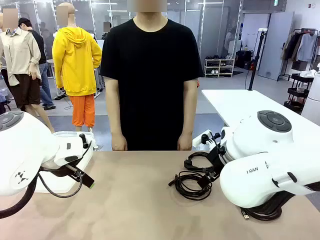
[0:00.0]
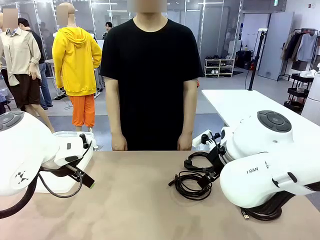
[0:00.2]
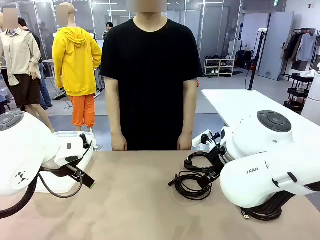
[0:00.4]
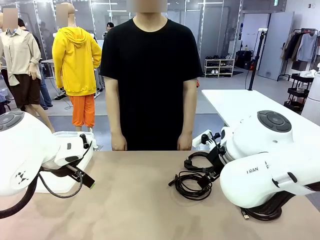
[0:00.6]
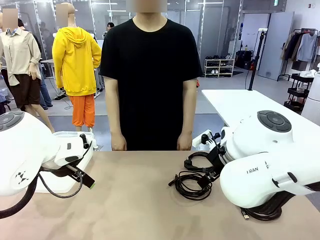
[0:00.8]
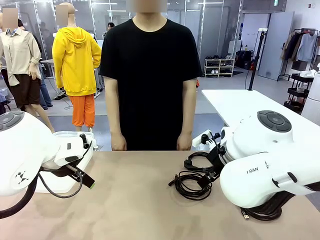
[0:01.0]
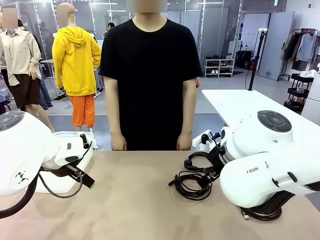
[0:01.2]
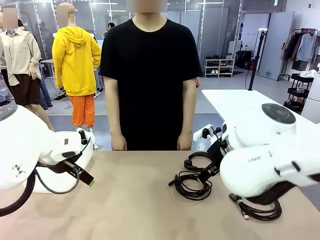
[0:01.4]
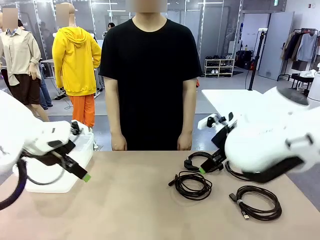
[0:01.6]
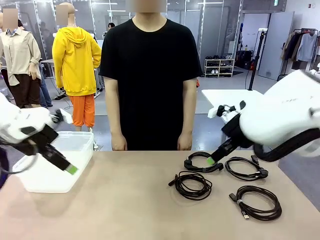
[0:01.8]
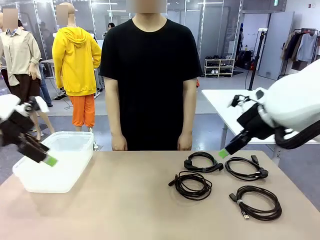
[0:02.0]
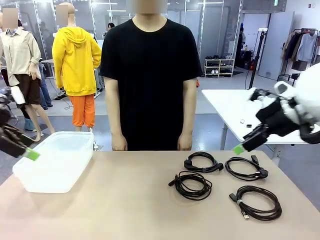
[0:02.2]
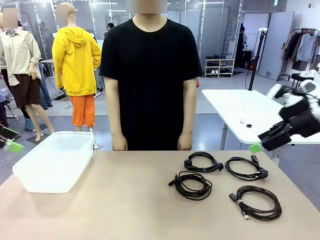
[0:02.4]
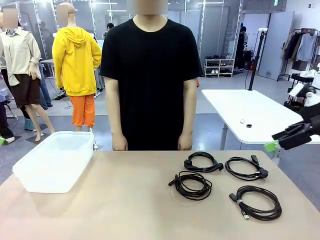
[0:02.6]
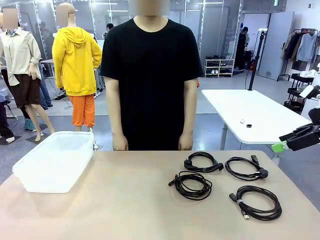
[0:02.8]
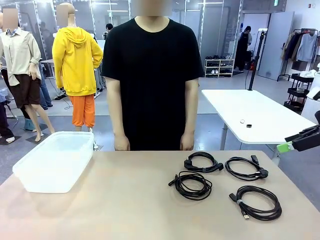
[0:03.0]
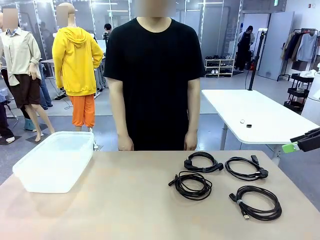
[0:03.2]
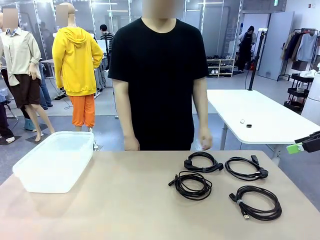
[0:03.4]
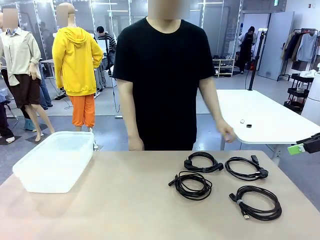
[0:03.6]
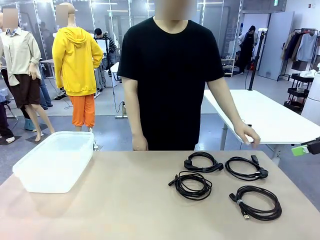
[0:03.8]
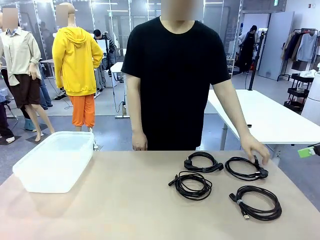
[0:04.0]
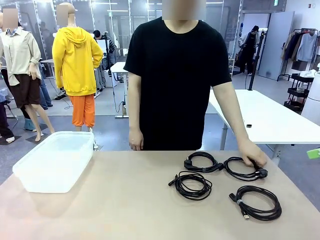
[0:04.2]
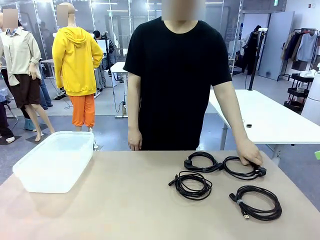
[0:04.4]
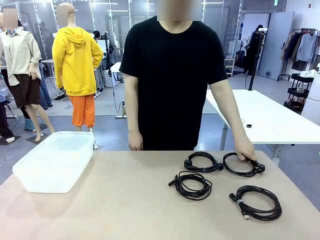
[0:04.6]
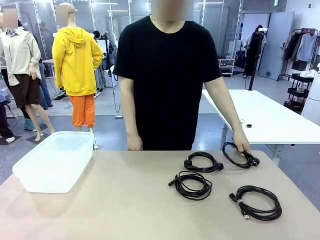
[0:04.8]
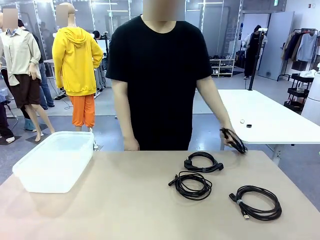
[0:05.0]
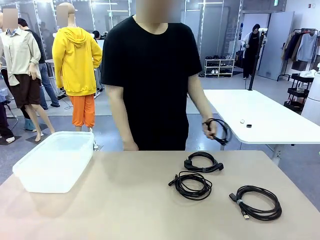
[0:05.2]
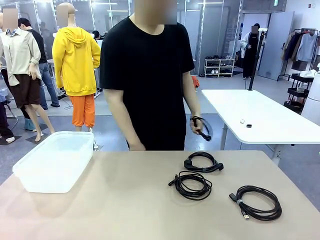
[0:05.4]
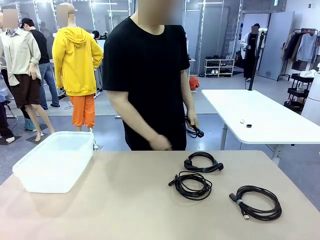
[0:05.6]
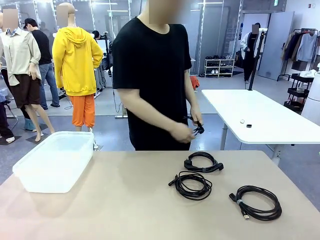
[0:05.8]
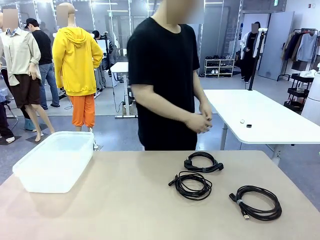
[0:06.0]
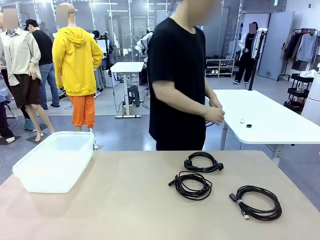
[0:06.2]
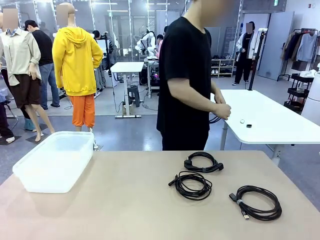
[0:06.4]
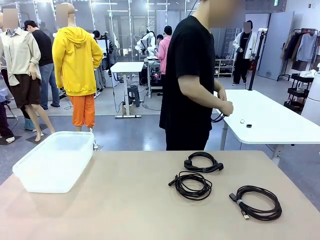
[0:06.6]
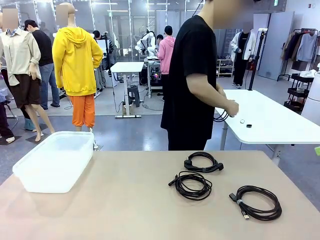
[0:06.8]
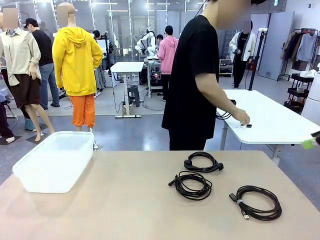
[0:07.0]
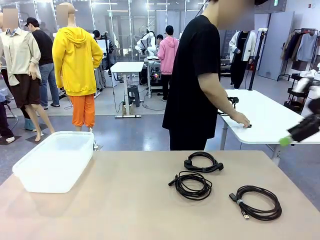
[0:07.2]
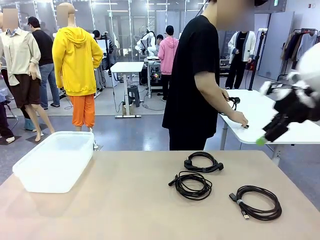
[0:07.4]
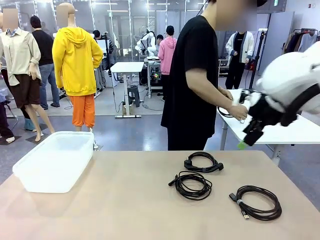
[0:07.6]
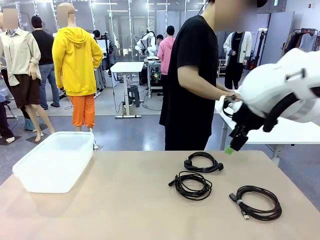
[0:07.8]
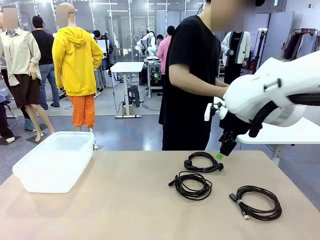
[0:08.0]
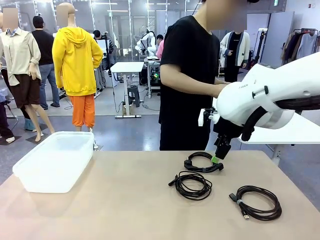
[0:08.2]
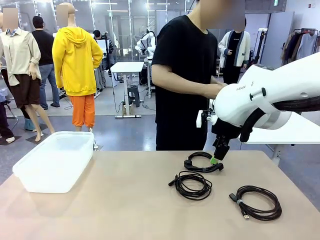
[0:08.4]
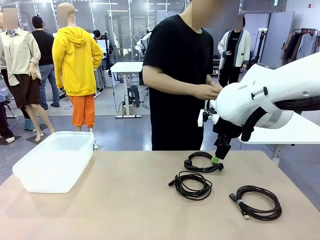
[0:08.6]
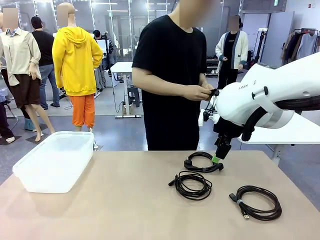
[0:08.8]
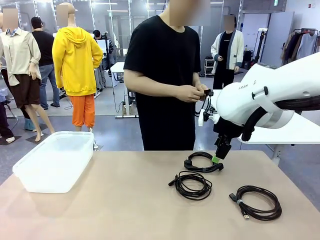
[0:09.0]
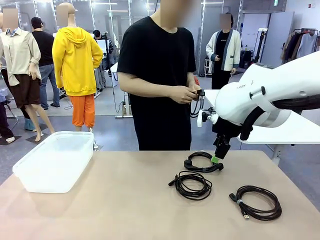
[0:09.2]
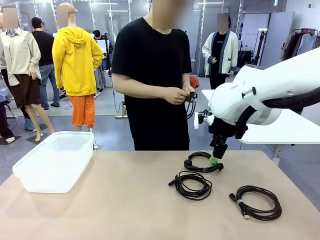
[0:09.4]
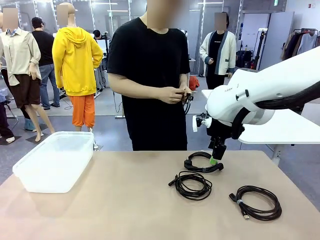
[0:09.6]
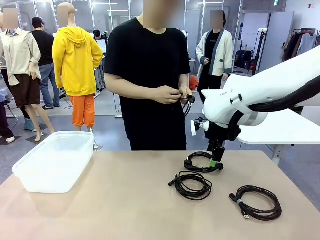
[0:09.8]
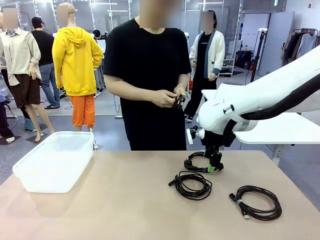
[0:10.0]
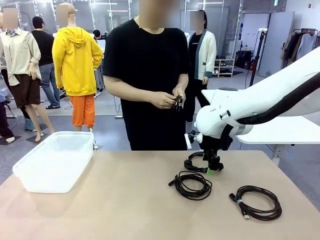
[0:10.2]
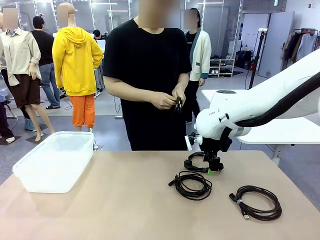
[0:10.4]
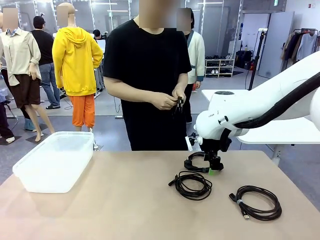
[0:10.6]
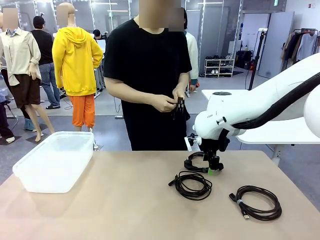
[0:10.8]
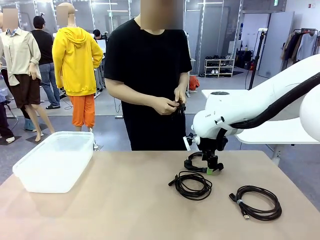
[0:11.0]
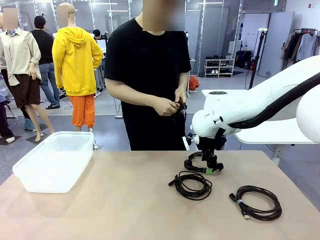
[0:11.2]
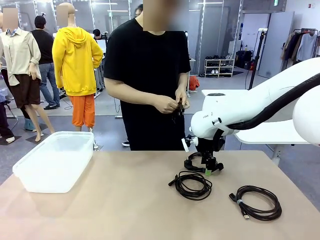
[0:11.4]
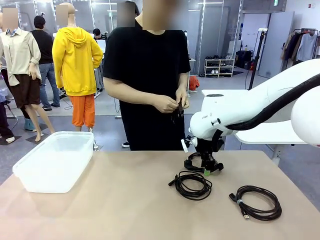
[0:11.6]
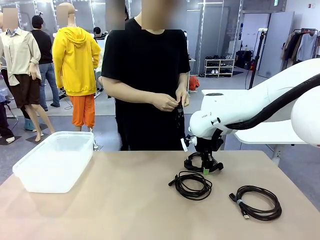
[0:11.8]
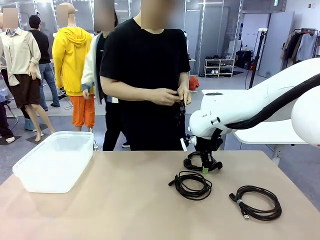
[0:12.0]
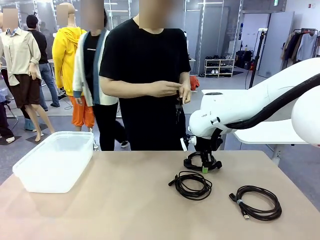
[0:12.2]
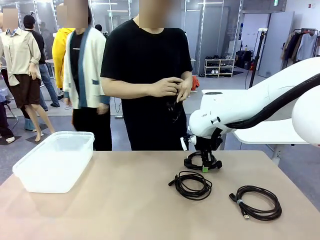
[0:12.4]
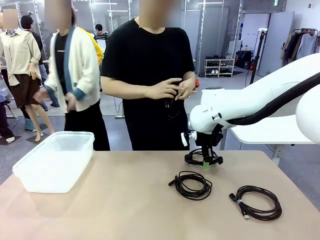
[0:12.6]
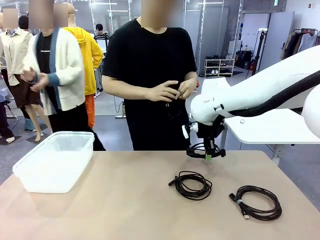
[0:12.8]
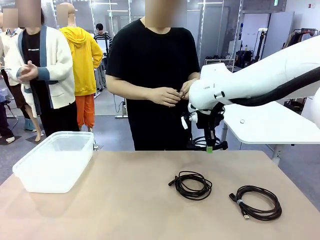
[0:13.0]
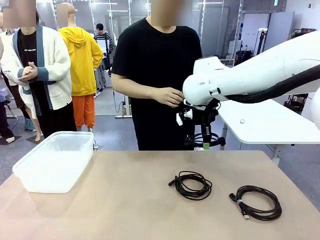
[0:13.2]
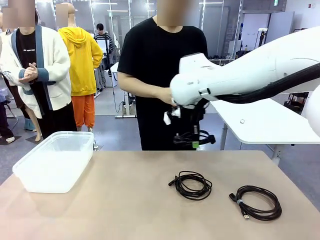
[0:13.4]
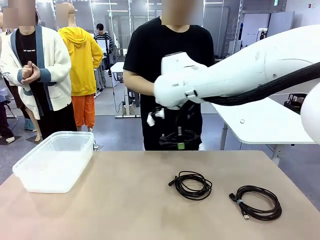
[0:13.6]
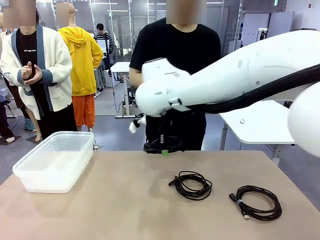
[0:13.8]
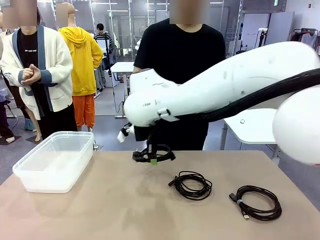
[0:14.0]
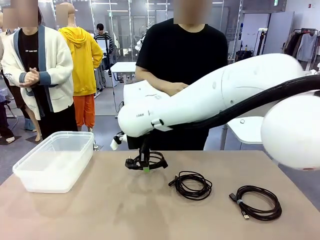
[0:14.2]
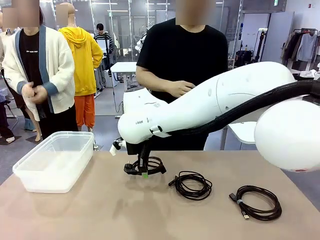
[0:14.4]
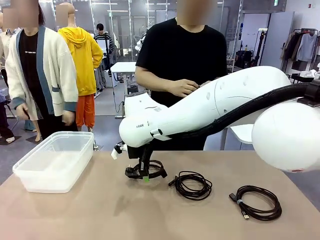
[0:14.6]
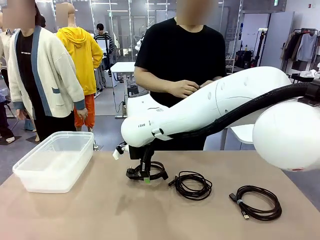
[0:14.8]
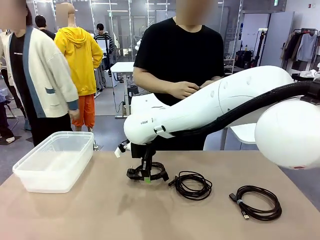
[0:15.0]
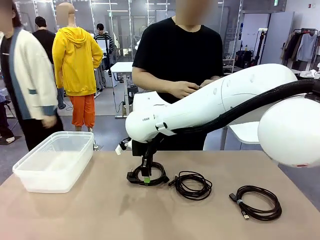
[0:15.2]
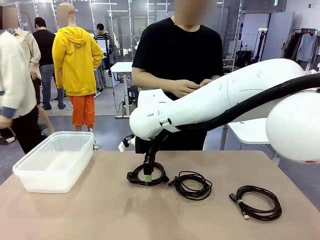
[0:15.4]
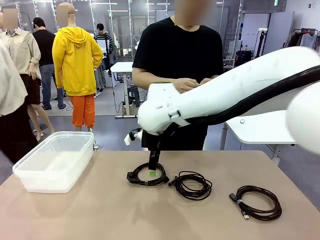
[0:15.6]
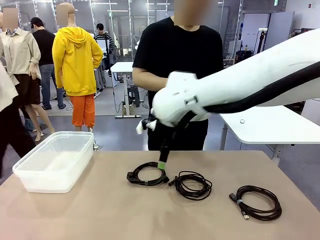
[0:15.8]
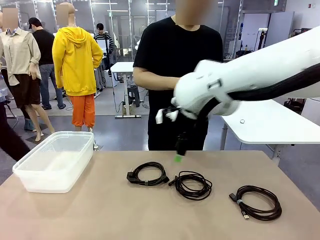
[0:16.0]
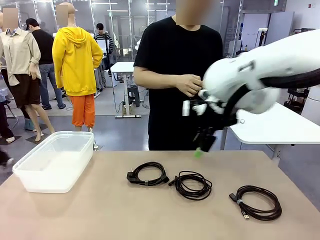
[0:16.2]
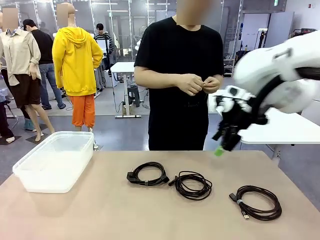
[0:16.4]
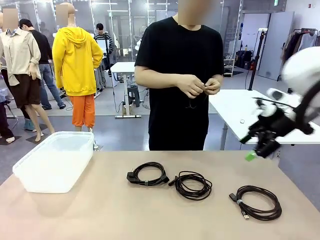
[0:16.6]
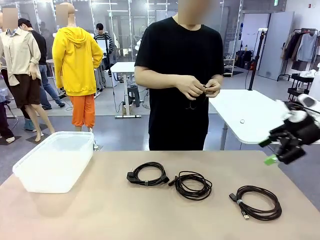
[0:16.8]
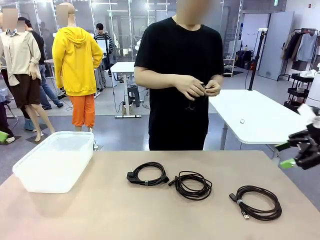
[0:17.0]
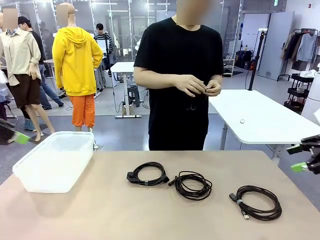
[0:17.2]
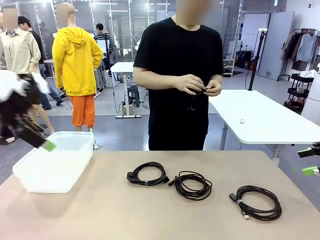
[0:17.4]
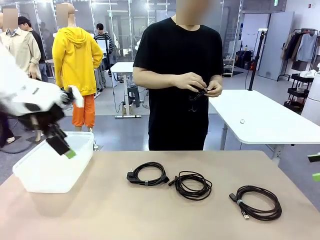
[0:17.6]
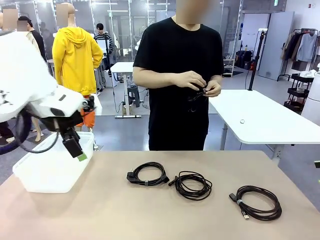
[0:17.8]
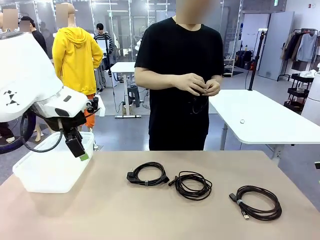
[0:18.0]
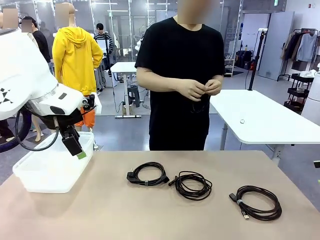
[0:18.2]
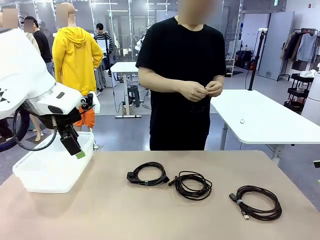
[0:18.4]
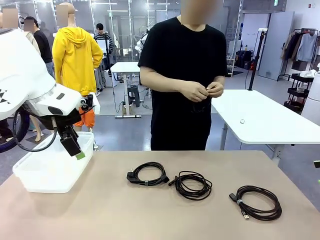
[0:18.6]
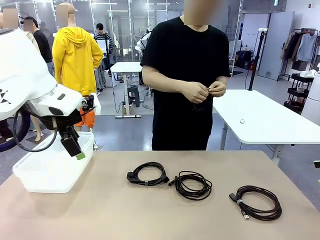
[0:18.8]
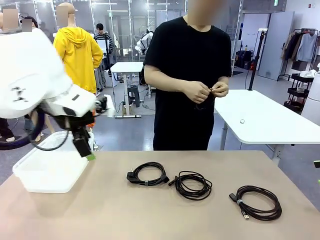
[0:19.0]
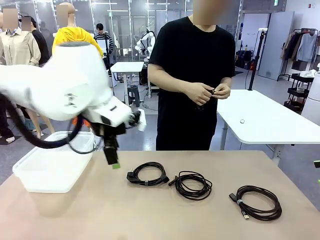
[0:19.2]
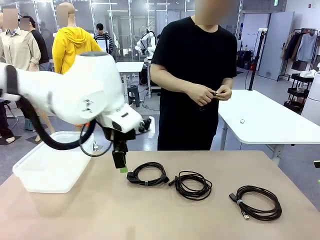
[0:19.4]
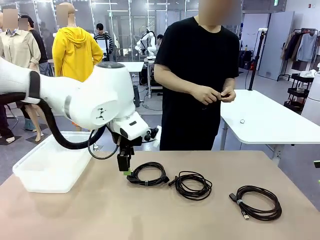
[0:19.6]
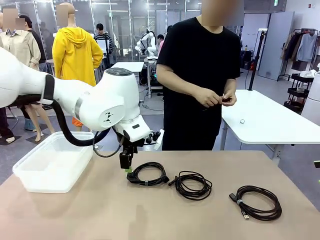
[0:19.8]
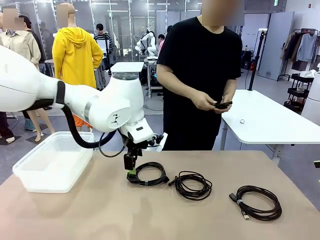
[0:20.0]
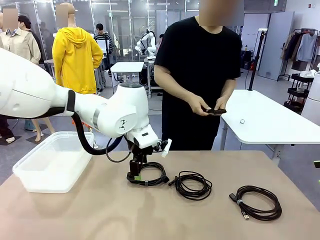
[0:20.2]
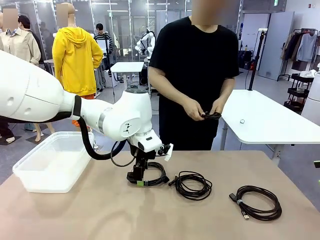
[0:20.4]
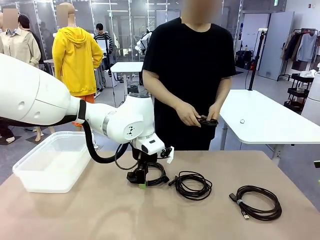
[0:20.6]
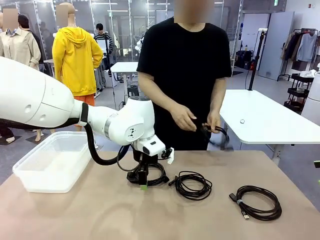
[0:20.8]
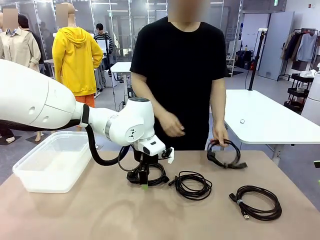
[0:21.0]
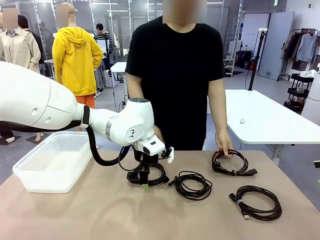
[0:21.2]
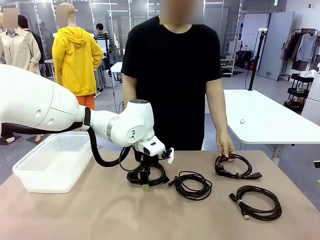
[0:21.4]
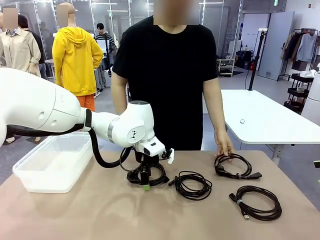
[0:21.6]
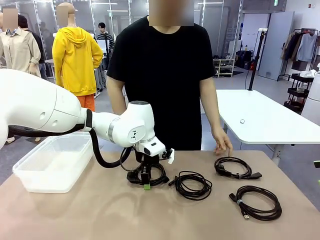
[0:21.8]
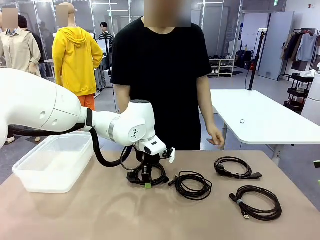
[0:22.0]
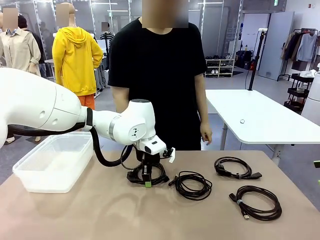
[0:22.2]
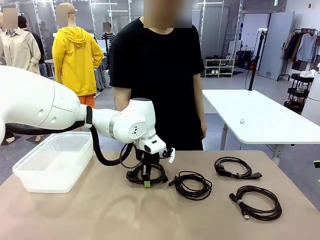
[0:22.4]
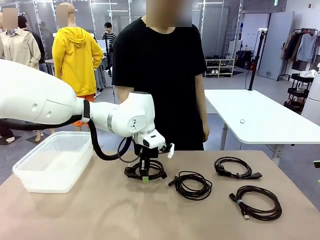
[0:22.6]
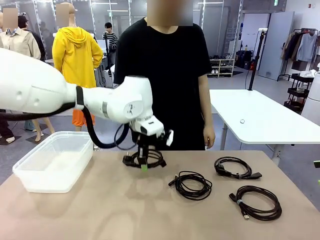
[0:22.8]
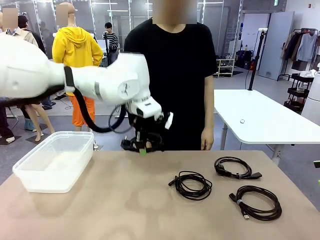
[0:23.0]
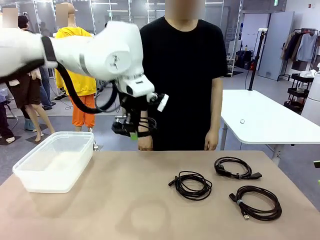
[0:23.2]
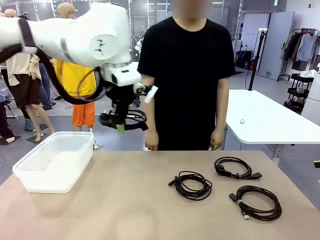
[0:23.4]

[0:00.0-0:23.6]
Task: Organize and store the cables.
Robot: Place the Power Cable into the Organizing box.
Person: Tie one Power Cable with a Reusable Cable Tie.
